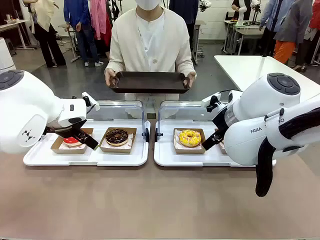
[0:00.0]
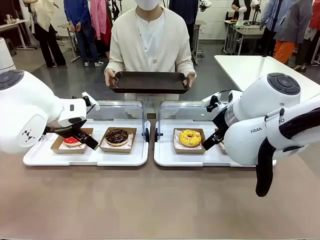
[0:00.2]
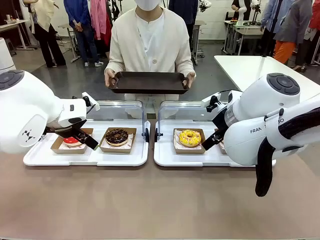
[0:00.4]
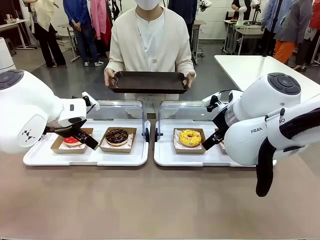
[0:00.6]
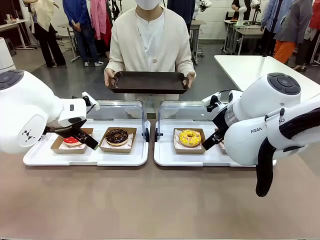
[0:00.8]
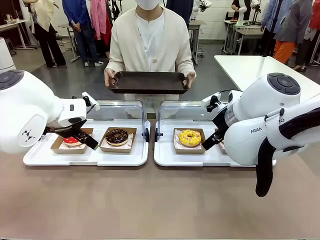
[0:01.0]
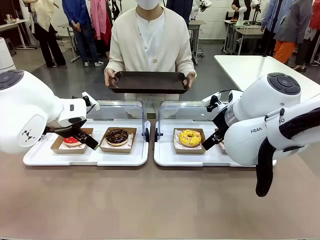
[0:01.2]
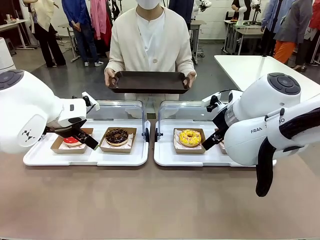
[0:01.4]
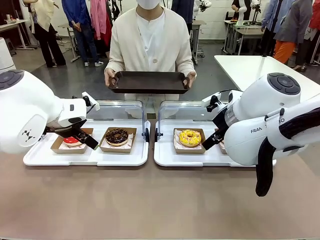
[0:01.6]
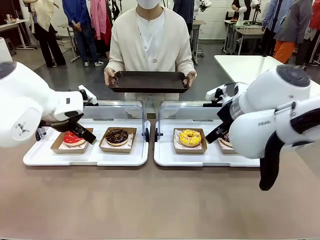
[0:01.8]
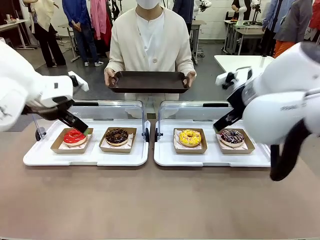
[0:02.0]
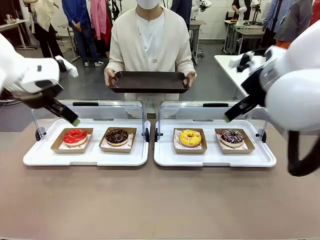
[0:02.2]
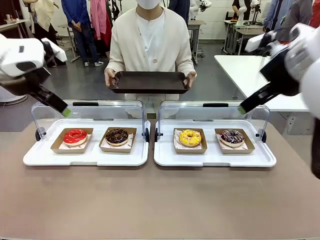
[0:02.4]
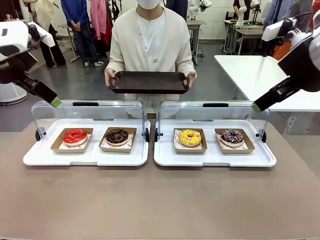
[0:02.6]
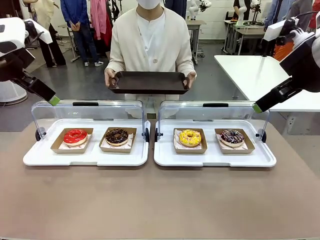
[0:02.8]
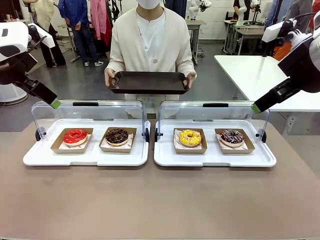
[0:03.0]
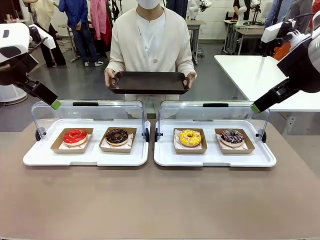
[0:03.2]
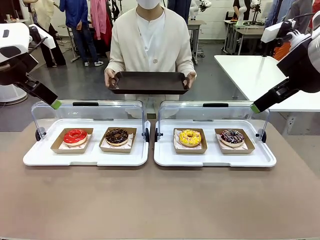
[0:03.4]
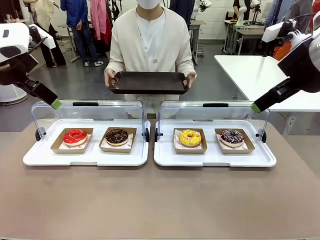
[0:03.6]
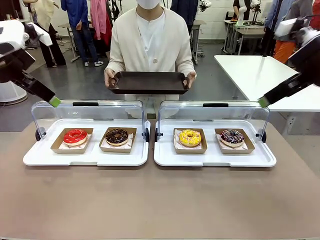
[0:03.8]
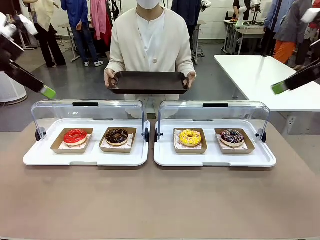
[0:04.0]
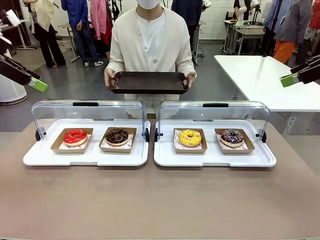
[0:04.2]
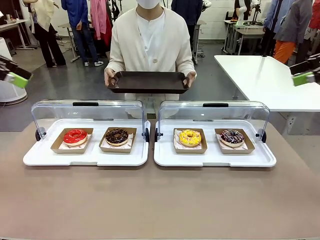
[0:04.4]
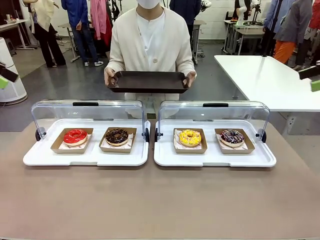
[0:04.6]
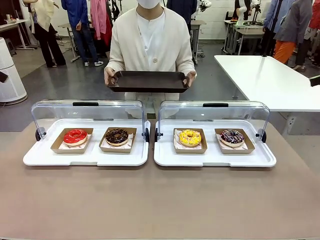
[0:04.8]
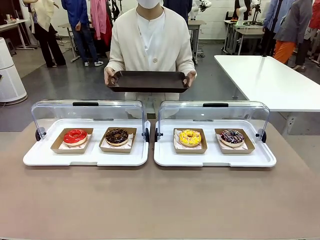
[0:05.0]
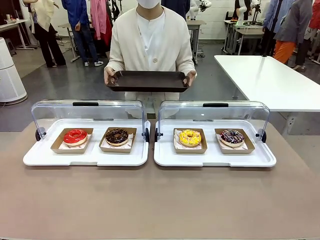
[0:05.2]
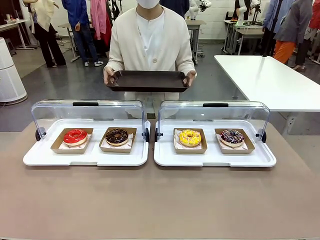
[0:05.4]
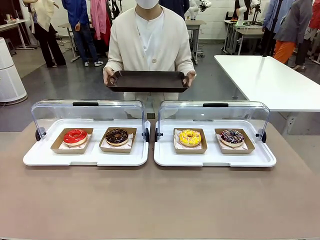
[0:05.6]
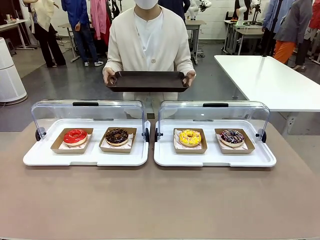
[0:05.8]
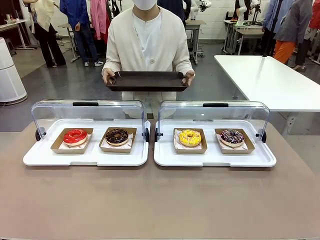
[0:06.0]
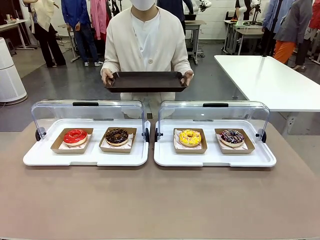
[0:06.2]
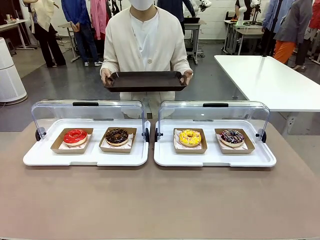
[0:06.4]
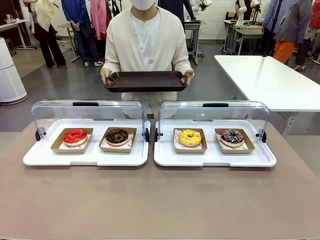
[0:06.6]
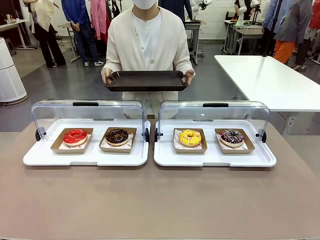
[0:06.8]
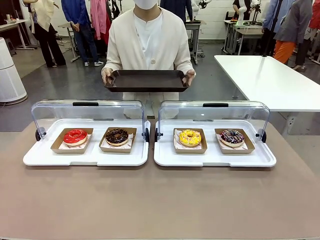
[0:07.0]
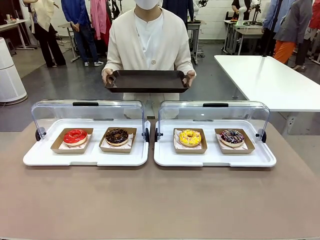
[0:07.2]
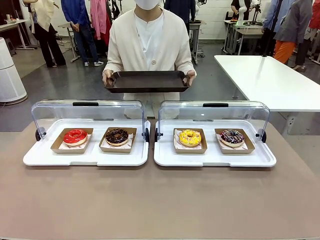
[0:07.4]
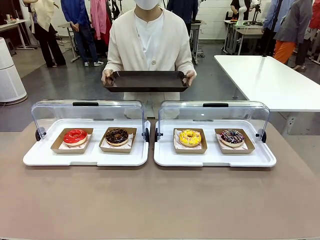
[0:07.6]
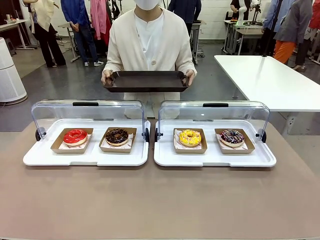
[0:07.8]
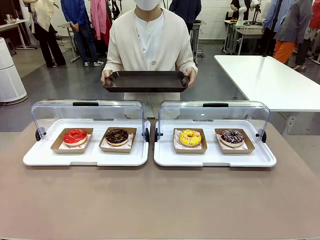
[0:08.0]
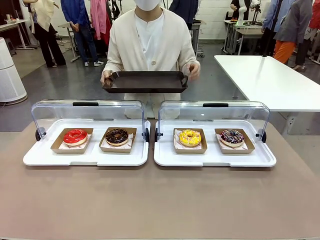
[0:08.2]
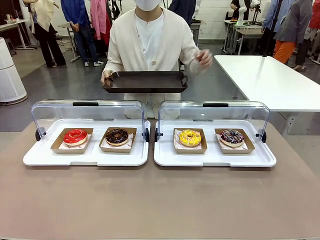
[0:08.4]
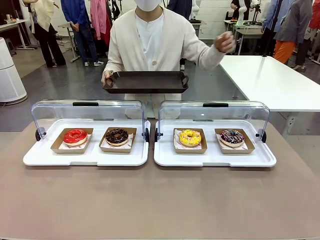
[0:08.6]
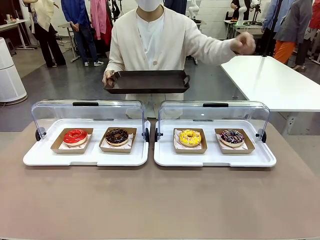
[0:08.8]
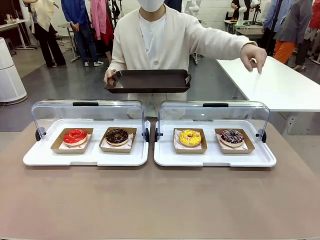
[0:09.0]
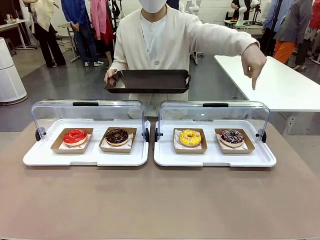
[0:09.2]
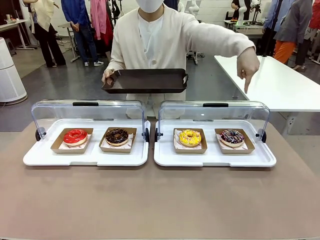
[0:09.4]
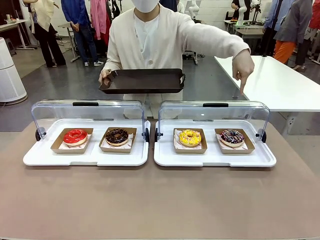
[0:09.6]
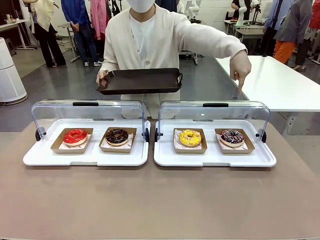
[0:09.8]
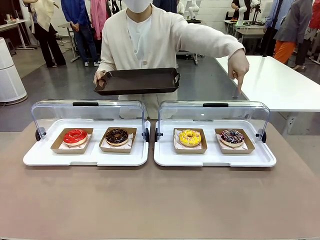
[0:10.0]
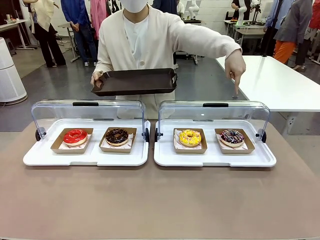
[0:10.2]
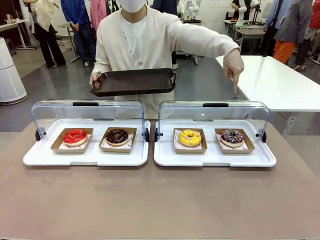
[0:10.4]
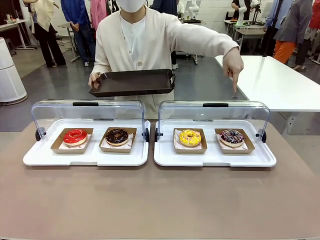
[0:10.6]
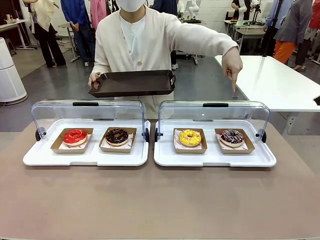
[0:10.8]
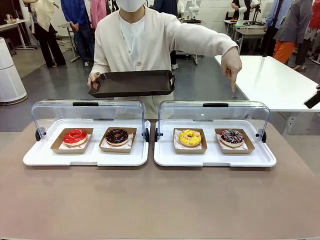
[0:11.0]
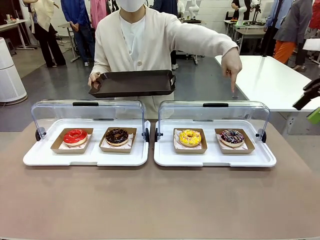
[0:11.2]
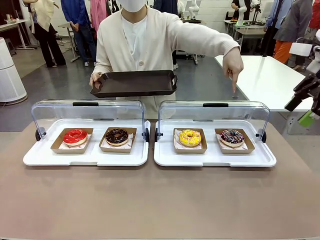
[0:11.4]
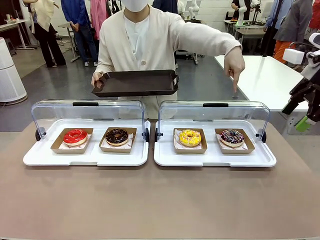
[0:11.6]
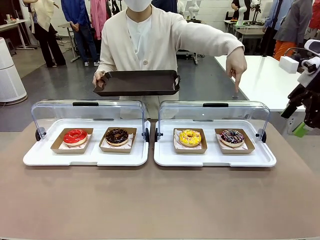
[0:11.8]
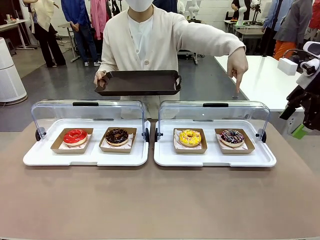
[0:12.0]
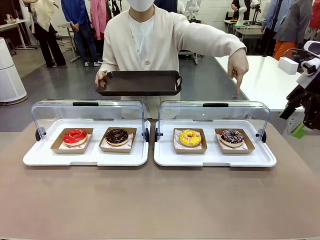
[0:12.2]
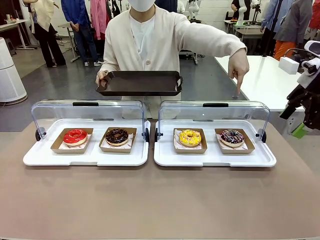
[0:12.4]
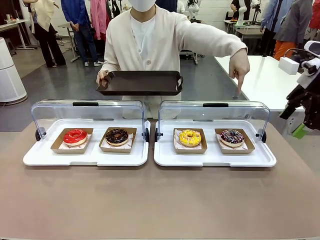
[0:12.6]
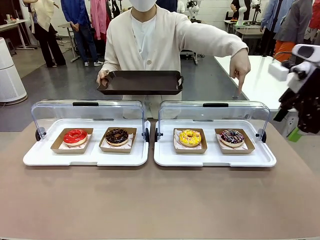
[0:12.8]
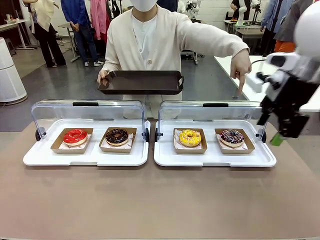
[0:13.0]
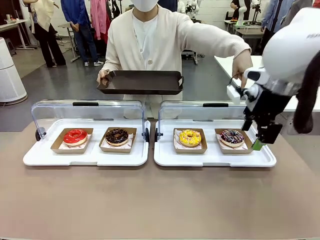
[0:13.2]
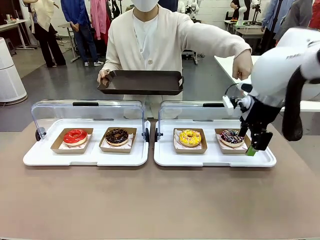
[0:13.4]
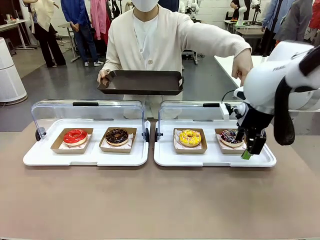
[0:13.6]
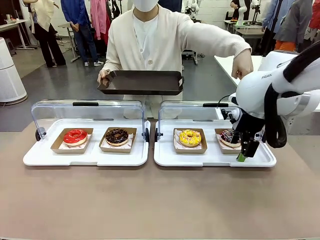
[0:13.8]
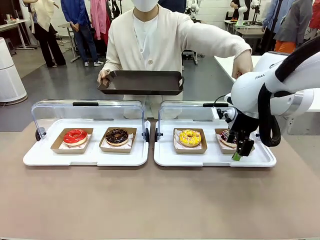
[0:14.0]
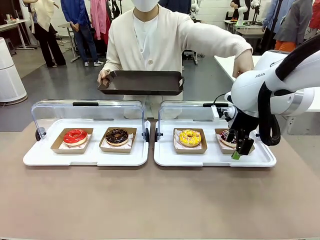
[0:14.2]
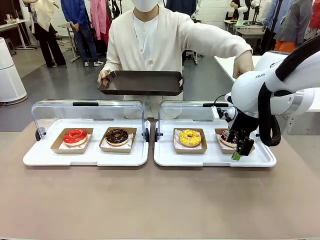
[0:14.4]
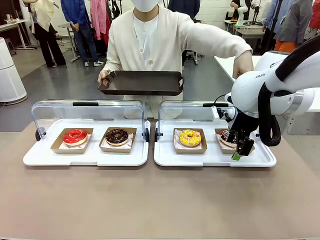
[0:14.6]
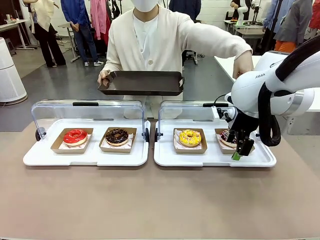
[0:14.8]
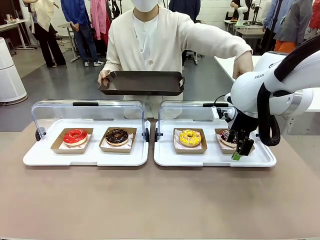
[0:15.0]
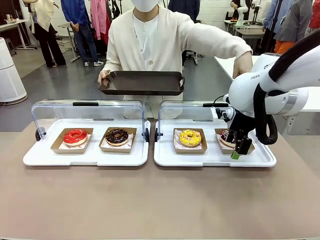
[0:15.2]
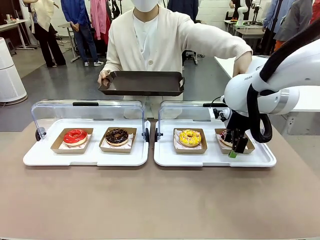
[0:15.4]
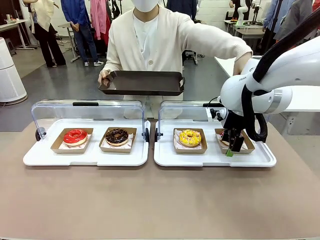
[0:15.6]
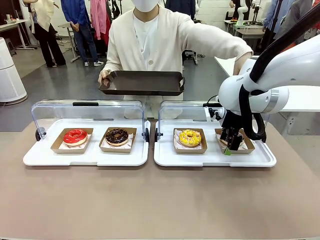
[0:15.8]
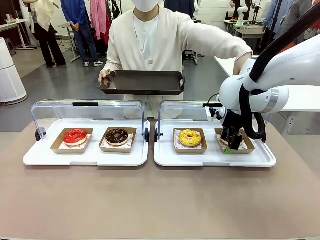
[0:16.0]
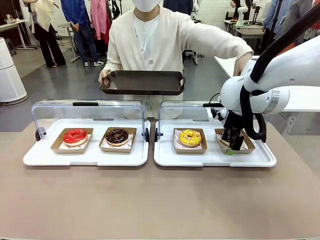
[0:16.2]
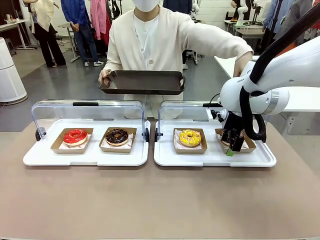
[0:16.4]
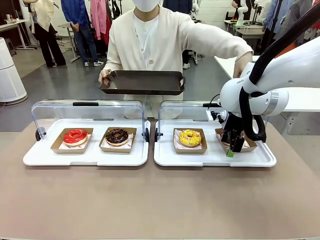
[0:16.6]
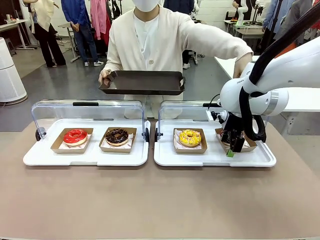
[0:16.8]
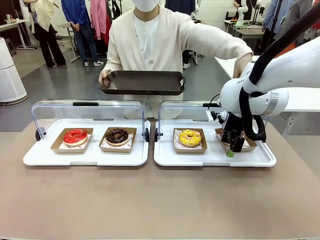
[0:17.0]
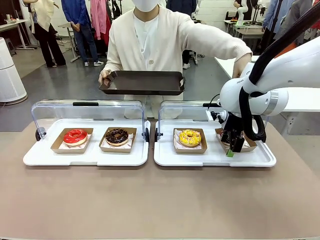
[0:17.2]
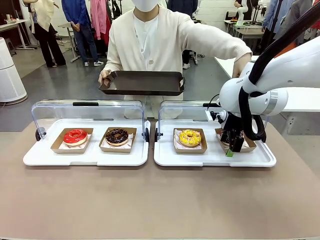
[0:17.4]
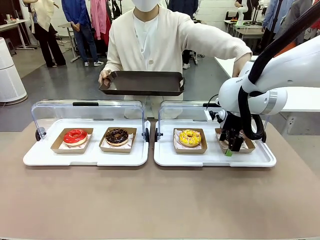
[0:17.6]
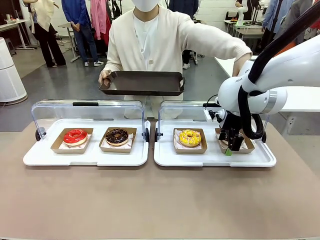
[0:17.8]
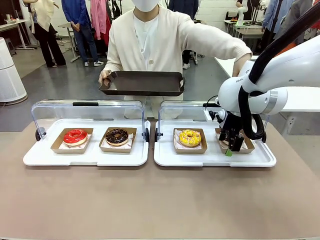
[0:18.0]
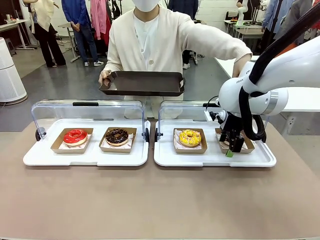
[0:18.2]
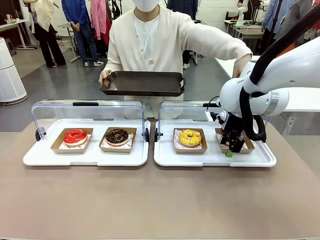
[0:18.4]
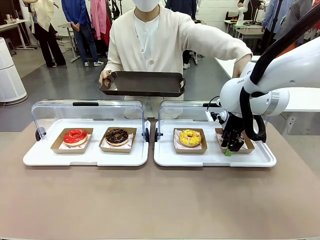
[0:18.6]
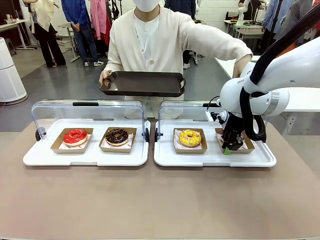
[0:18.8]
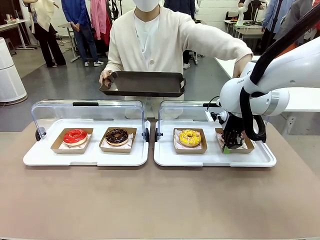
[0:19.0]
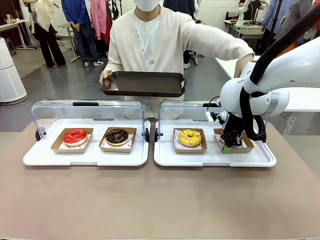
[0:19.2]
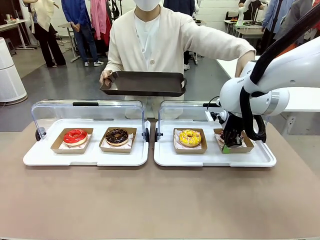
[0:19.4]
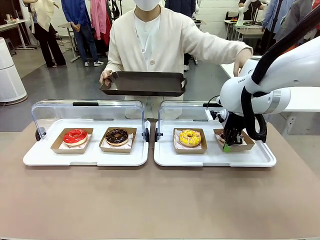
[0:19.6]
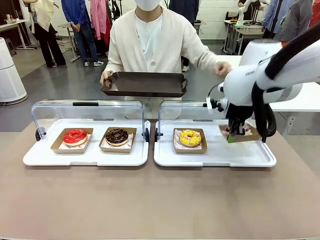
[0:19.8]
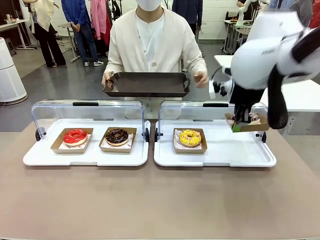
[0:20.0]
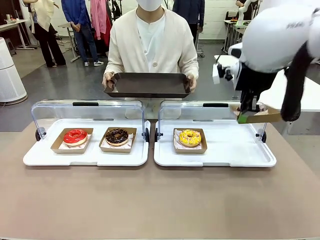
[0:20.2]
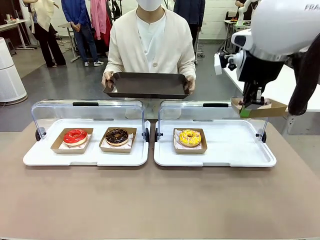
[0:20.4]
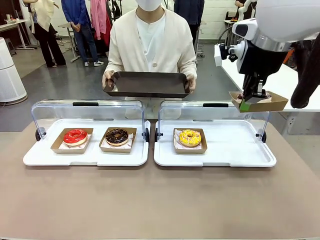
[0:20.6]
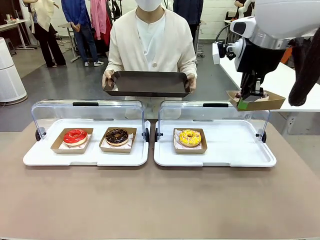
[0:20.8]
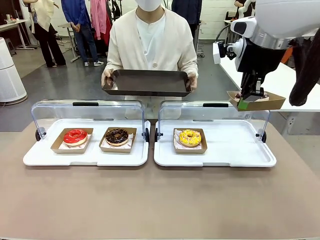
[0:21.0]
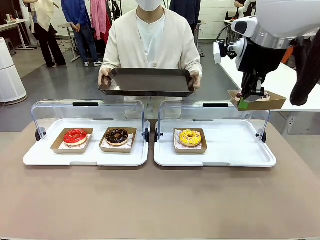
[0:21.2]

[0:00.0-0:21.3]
Task: Provide the desired donut to the person.
Robot: Pick up and lift the Paper togo box containing the Donut pointed at by the person.
Person: Point to one donut. Lift the tray onto the Roll-Top Bakery Case.
